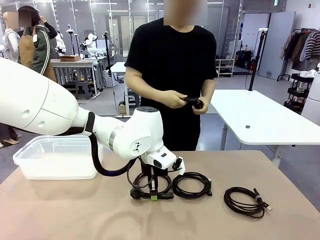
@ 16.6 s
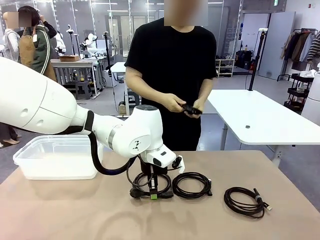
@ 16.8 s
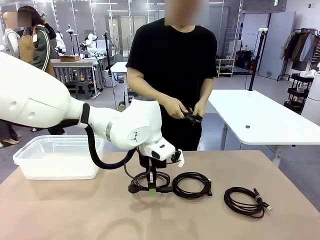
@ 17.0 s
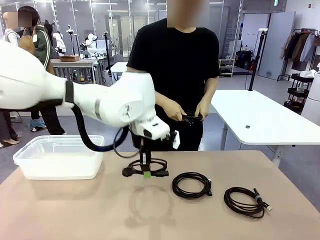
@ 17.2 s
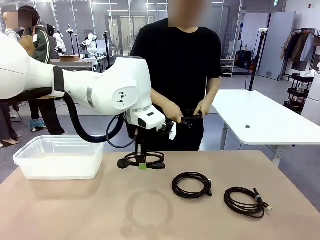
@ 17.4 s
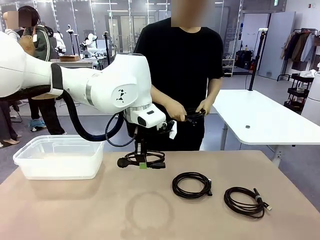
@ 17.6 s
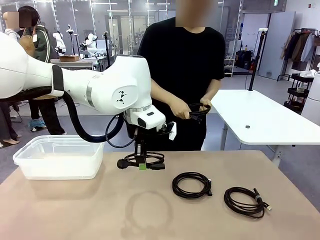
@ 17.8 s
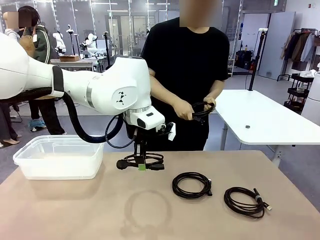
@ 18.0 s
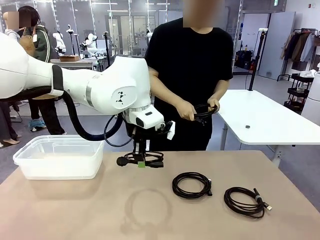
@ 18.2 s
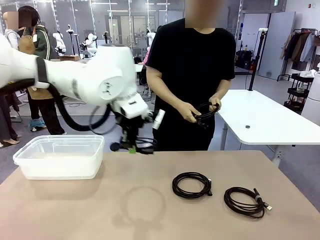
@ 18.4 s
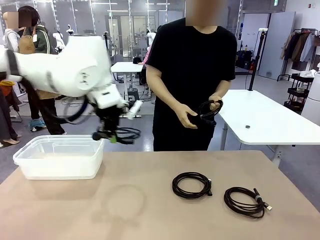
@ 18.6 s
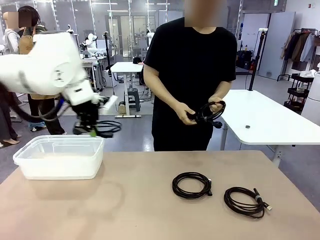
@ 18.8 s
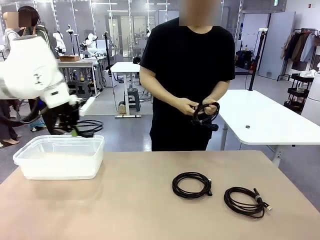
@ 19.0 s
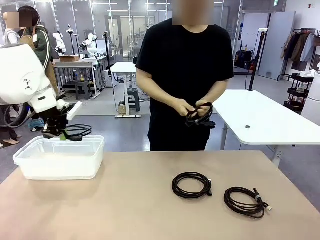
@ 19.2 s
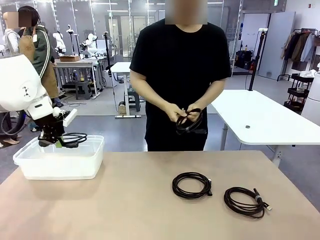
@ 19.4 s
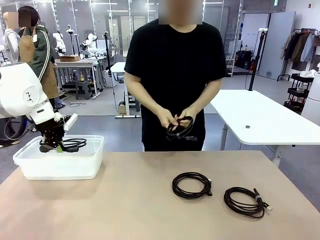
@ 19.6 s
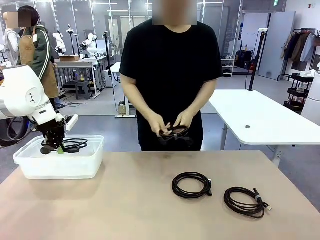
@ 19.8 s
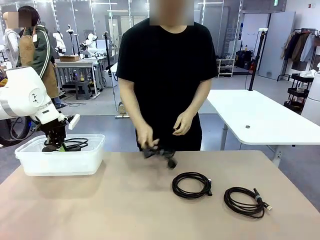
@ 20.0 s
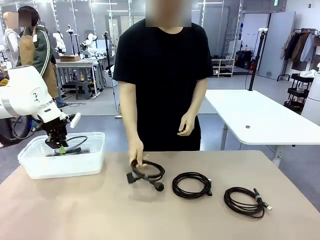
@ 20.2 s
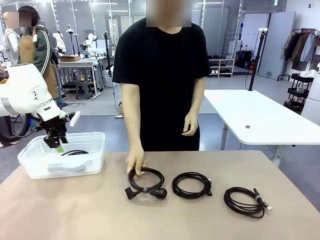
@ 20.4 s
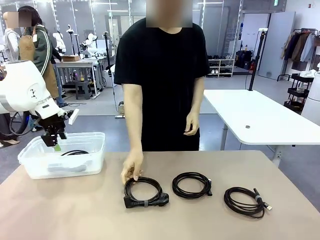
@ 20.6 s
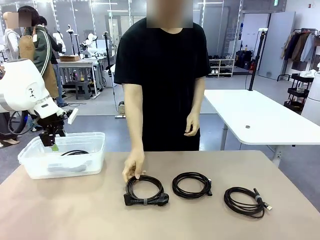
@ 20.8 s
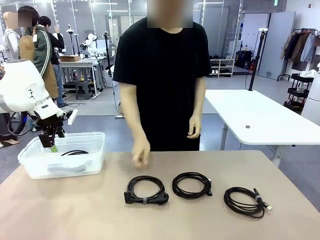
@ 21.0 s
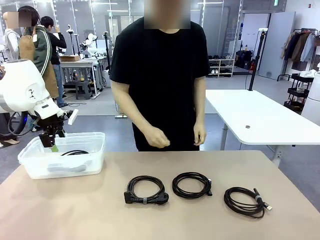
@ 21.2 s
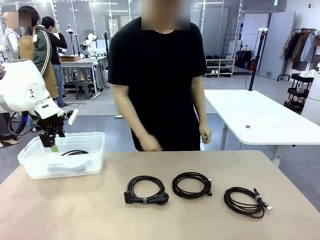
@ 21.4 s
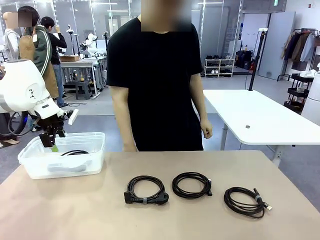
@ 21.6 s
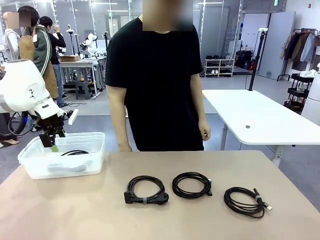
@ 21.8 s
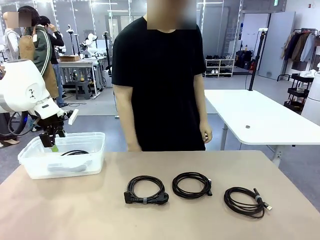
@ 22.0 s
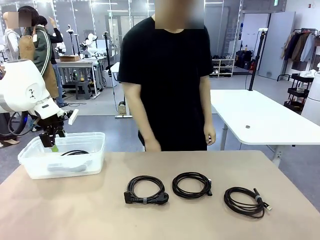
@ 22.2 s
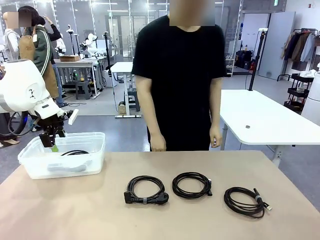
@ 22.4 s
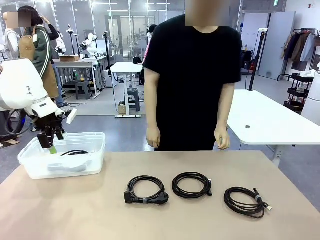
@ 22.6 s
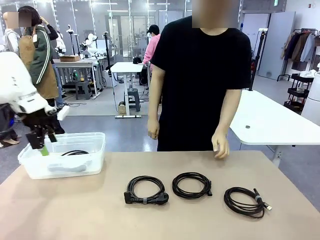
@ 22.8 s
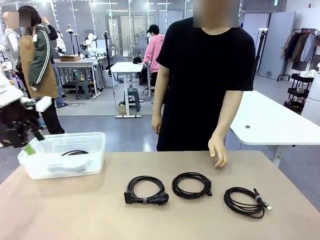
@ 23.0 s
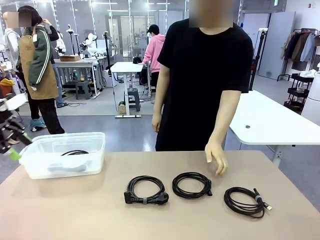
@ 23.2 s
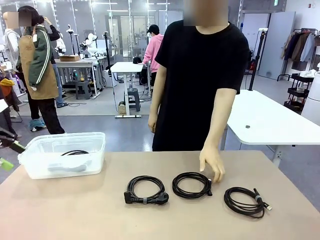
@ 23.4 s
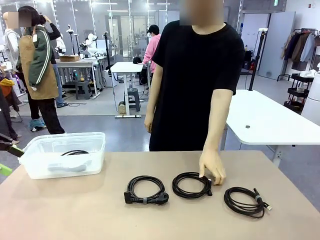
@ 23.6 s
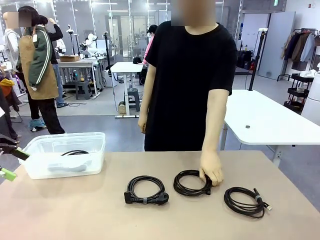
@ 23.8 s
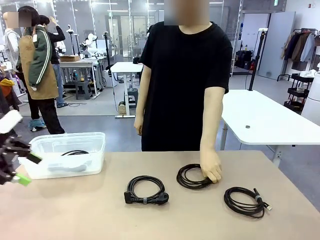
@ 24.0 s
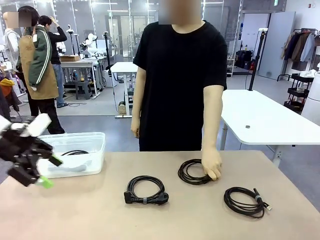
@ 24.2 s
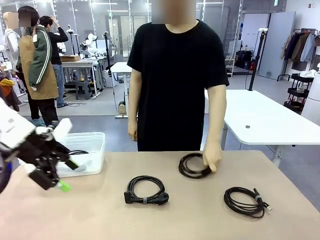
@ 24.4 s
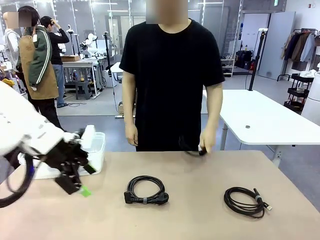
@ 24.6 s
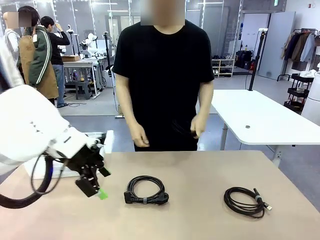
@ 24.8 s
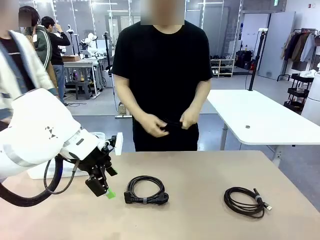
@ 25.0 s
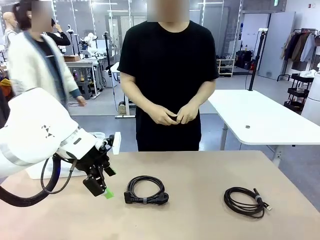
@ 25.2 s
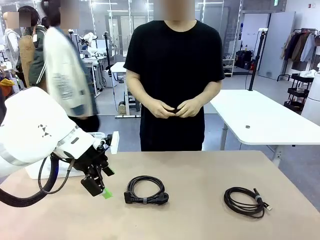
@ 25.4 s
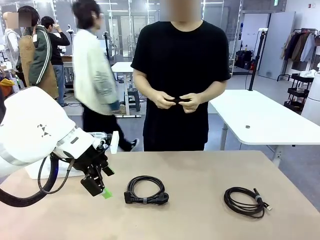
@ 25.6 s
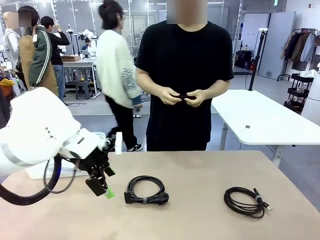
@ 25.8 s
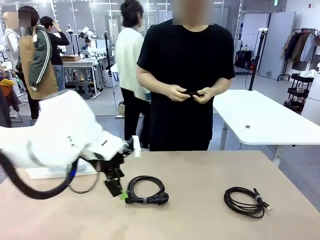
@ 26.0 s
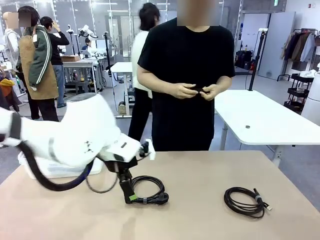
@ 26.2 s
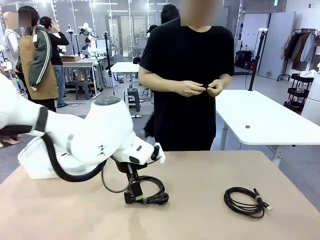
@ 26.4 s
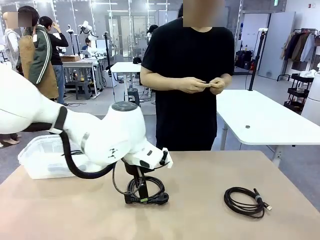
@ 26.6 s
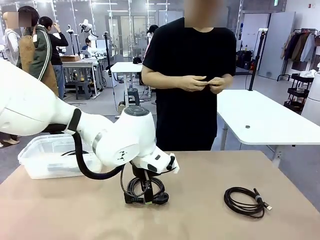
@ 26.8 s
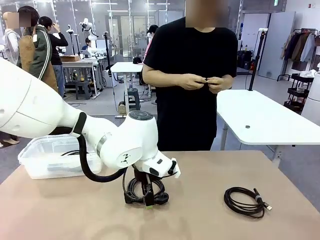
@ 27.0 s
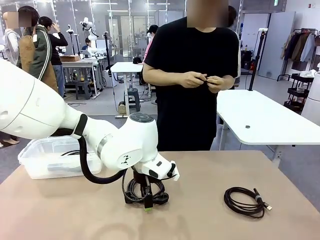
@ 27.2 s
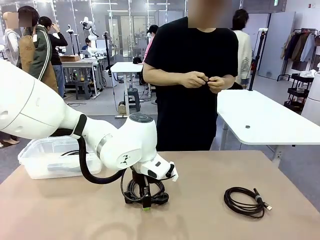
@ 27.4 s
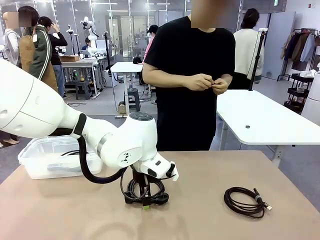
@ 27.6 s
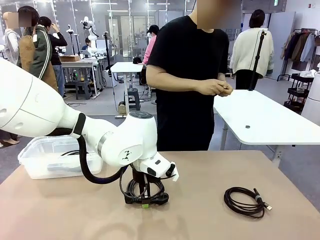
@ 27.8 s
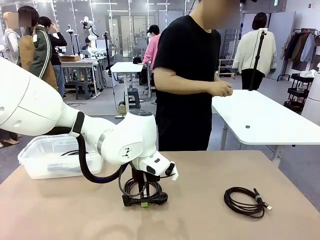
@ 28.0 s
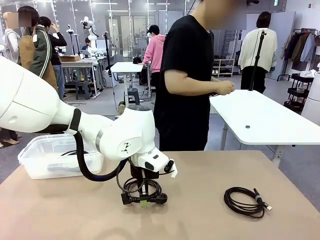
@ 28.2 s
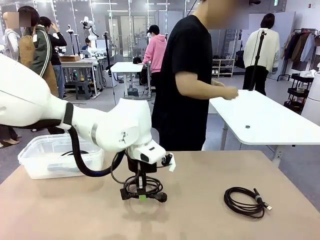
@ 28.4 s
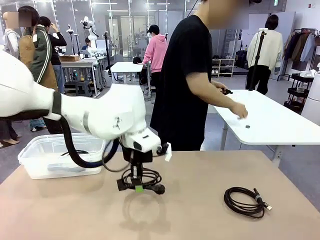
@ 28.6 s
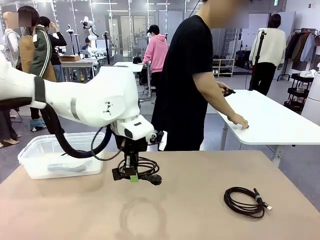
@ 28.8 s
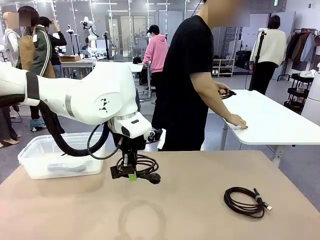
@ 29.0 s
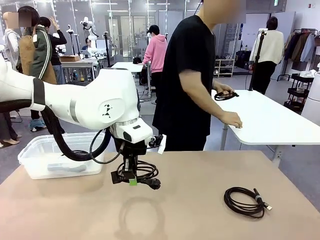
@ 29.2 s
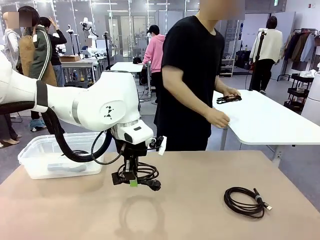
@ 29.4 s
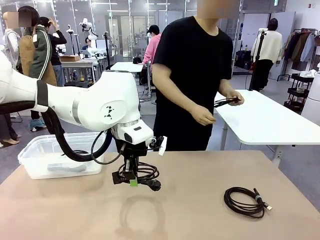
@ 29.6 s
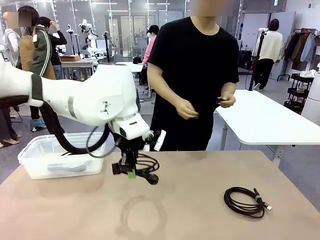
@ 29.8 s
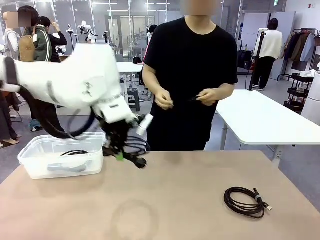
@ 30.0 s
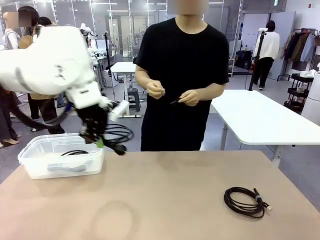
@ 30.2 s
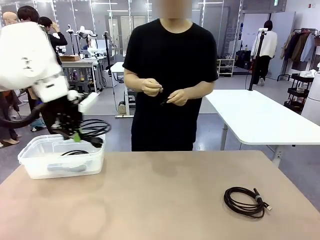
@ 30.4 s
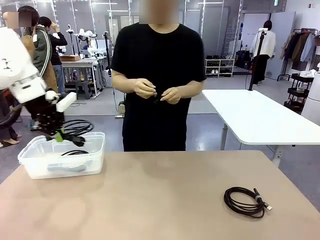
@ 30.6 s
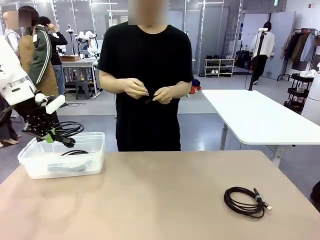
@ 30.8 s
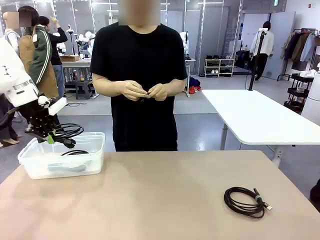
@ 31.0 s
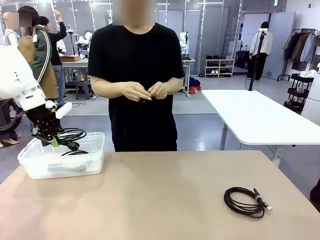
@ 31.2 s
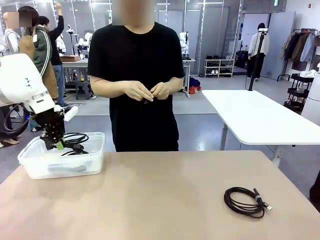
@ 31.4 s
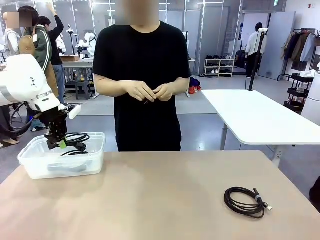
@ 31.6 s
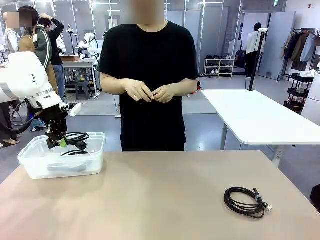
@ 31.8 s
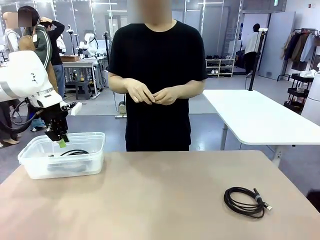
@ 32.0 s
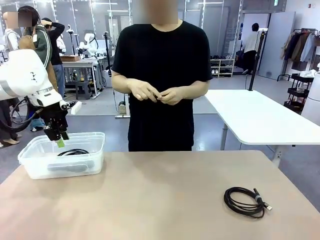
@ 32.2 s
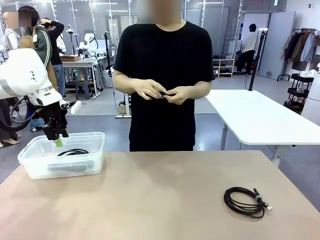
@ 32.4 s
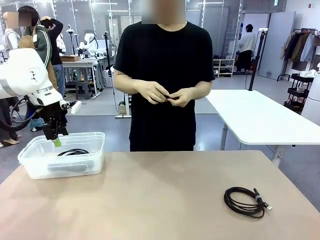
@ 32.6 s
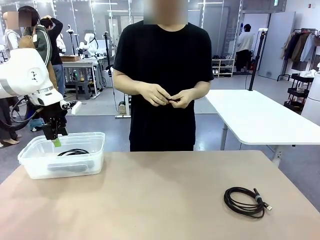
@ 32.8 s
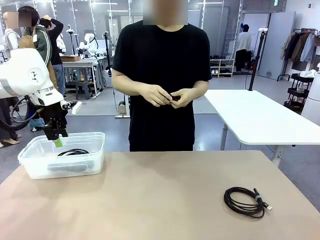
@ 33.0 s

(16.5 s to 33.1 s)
Task: Organize and store the cables.
Robot: Place the Power Cable into the Organizing box.
